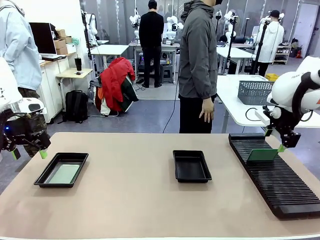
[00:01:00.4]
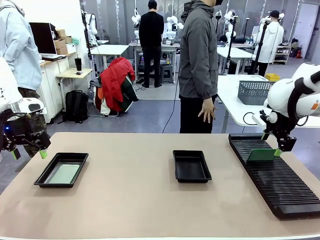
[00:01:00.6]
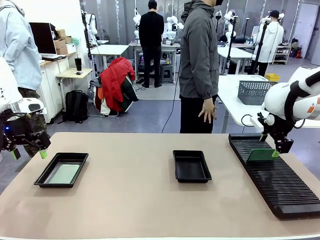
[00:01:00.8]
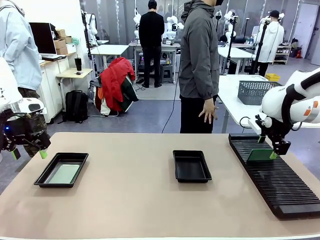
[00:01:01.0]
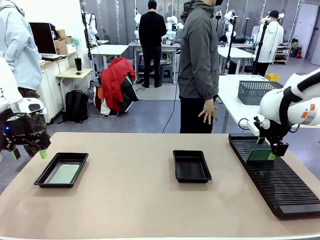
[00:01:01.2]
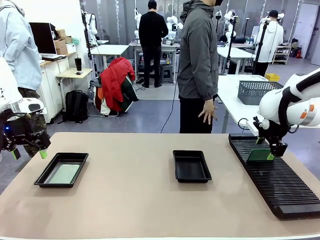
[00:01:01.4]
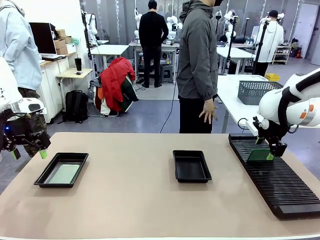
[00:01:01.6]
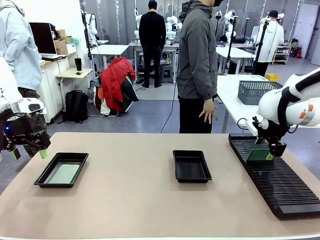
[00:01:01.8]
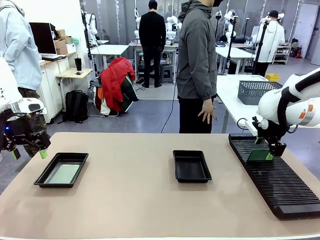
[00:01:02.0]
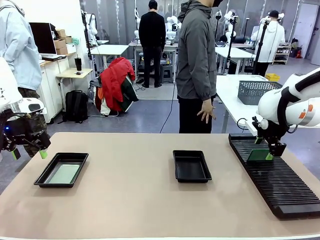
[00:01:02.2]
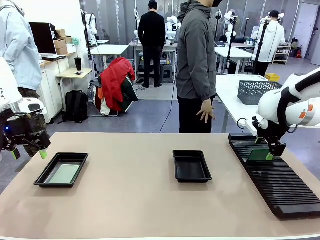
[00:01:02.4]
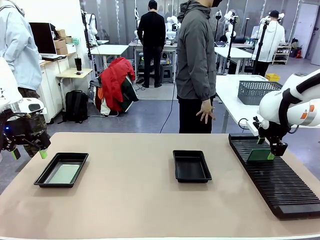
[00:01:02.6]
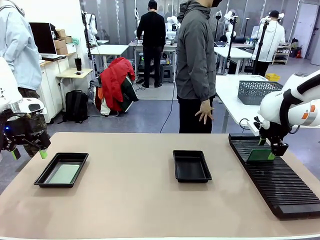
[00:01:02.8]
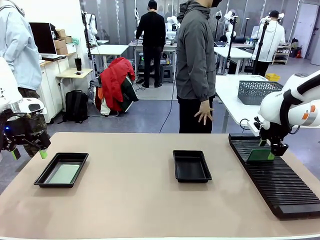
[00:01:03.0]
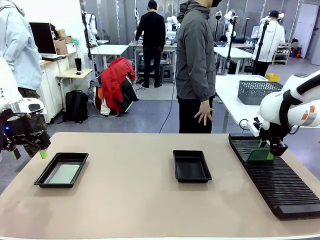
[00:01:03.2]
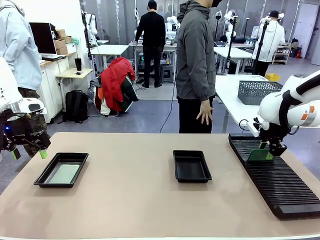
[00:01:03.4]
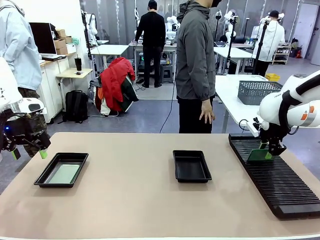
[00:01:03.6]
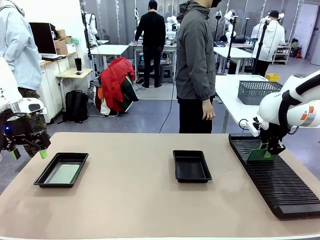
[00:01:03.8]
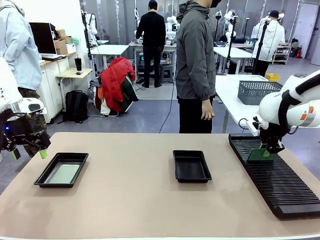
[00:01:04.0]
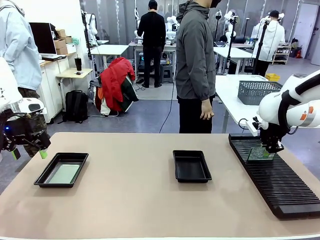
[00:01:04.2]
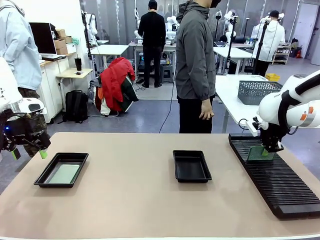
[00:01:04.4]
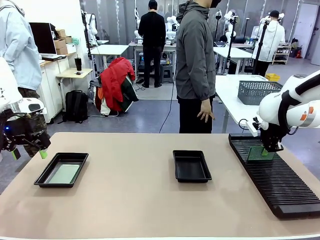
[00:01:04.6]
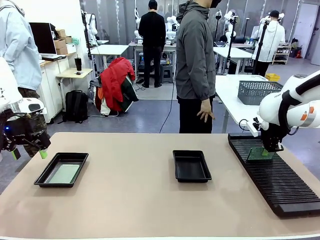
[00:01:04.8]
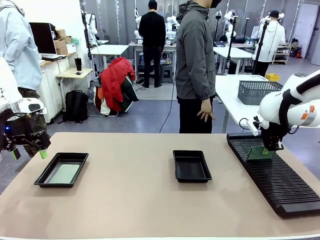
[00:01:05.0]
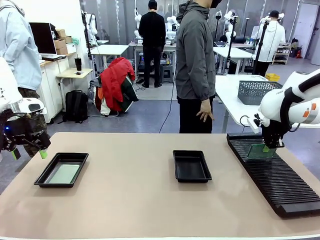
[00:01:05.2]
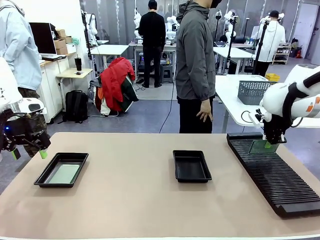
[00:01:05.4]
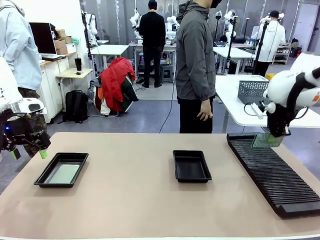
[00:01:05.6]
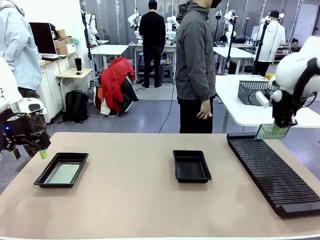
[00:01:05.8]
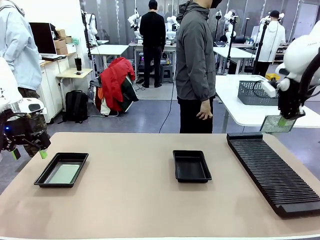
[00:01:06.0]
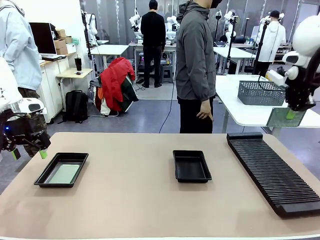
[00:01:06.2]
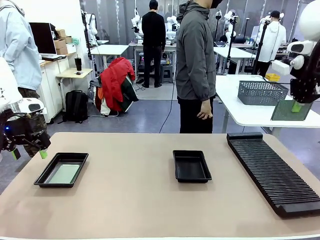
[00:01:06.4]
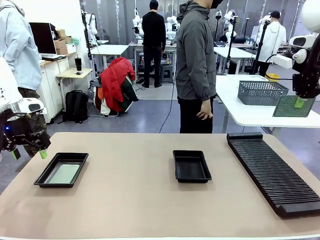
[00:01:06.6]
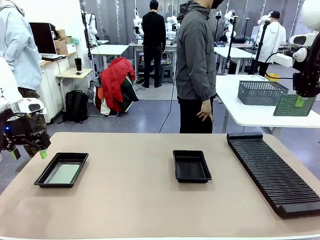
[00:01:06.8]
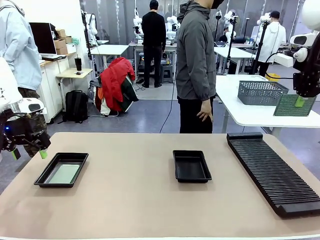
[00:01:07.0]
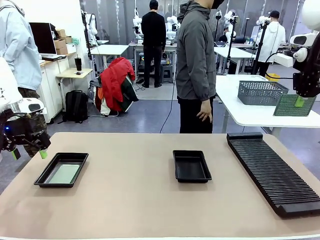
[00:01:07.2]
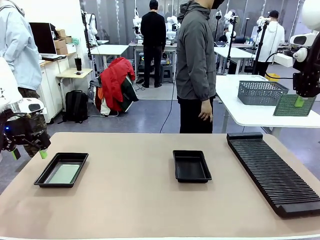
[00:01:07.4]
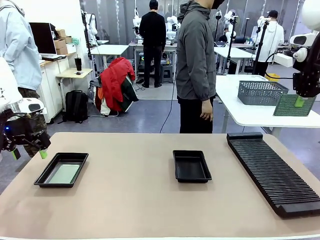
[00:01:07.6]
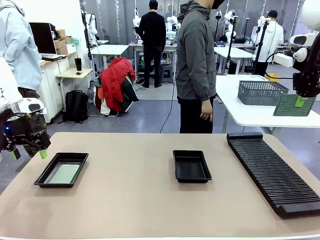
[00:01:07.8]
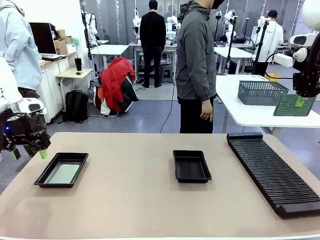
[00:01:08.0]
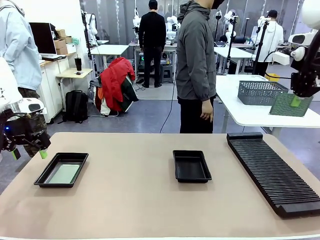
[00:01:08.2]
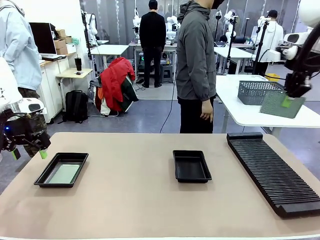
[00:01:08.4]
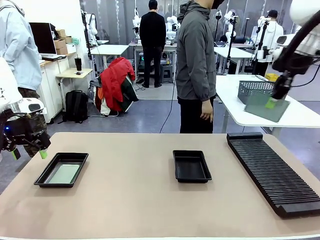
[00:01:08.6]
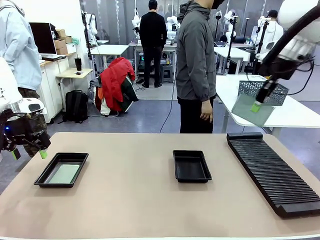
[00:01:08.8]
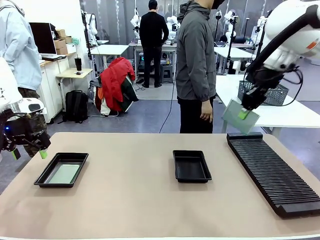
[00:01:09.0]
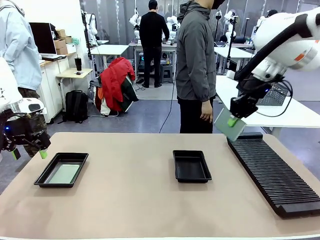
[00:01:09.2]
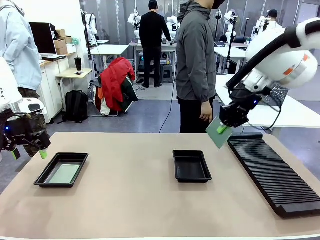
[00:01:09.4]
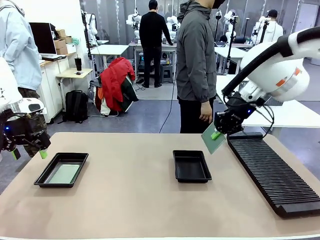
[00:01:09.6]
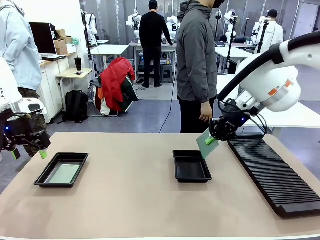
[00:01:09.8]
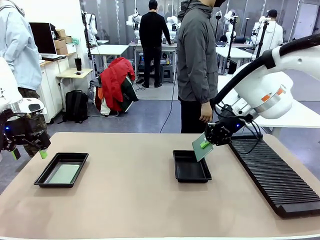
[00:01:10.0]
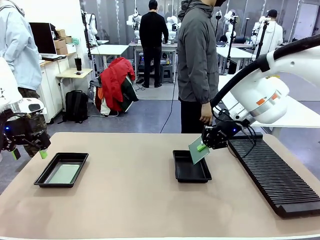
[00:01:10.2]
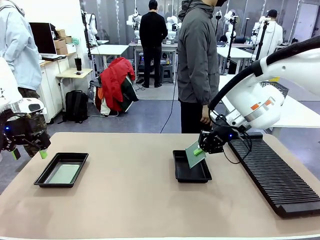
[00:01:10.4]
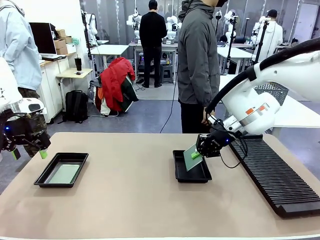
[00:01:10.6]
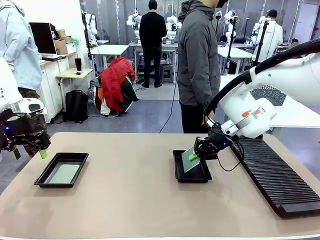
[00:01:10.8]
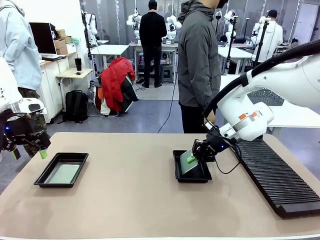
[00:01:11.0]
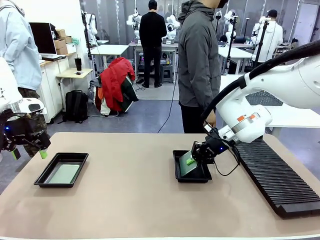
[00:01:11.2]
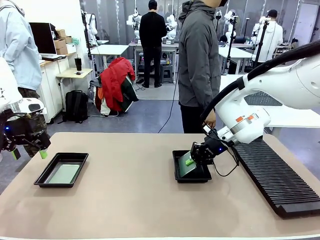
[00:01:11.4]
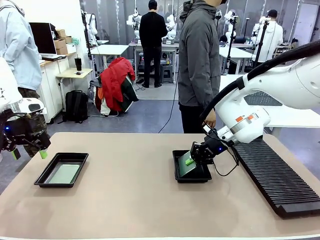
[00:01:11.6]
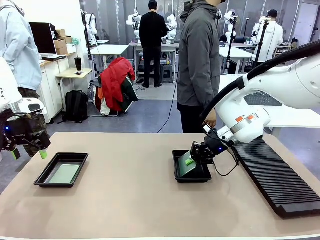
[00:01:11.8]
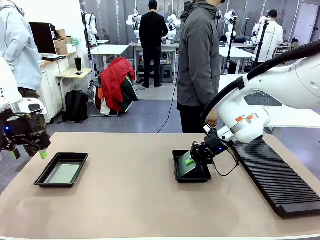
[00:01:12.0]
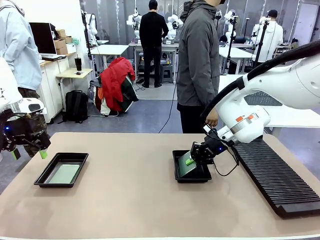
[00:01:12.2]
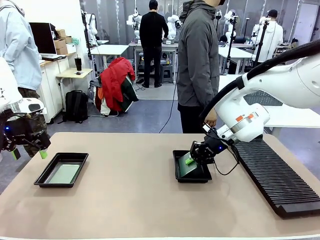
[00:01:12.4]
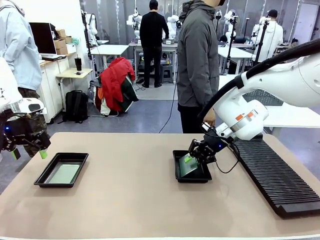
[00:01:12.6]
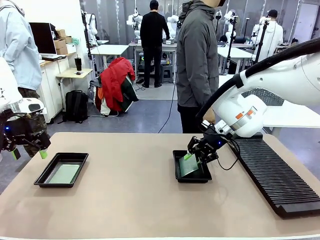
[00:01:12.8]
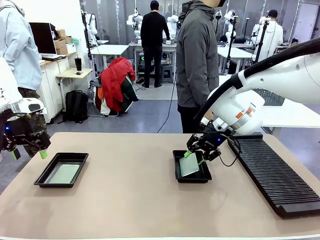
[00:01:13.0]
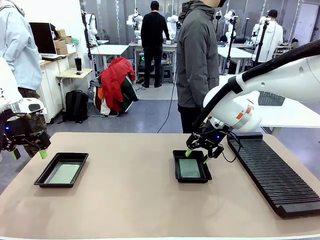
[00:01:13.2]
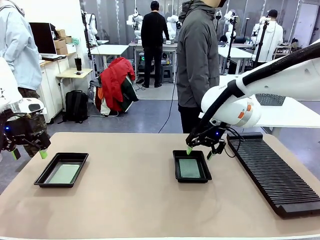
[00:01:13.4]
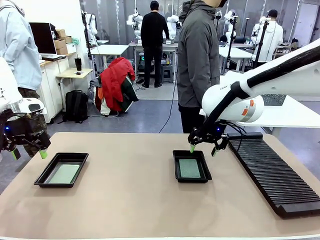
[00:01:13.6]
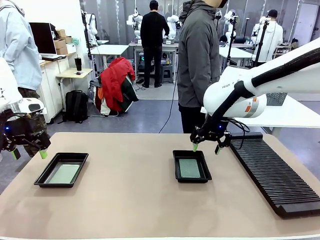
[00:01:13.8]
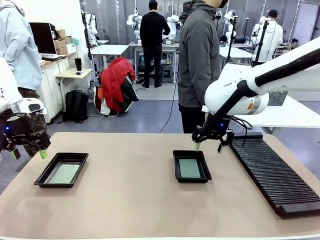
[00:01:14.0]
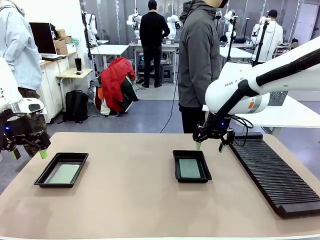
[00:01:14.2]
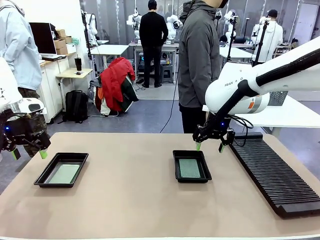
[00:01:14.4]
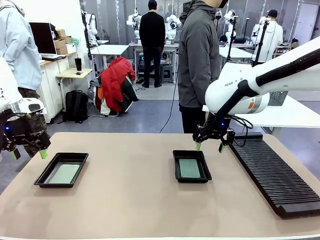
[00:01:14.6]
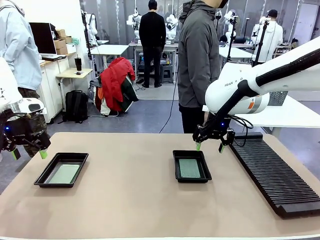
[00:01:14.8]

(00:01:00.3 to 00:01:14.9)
Task: Inspect and transfer BCBs to ESD trays.
Robot: Pick up the Blank PCB from the PCB Rack and place it in the right ESD tray.
